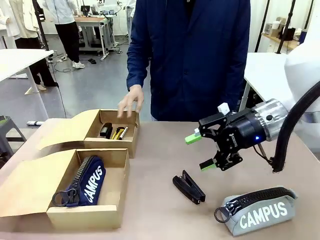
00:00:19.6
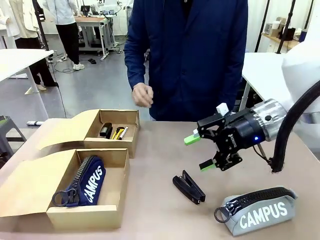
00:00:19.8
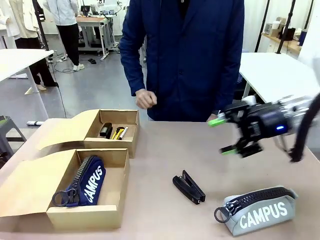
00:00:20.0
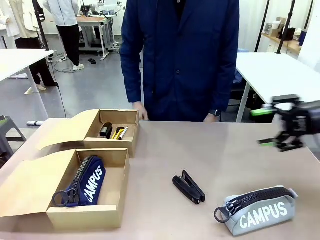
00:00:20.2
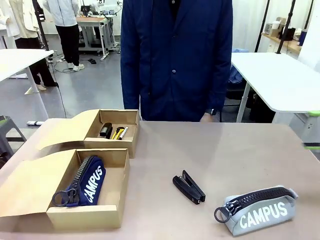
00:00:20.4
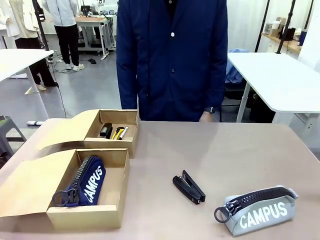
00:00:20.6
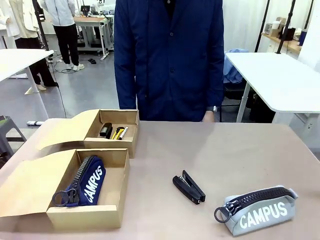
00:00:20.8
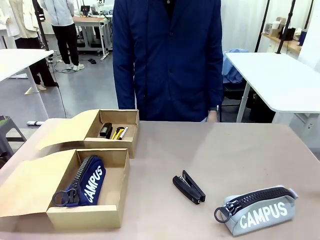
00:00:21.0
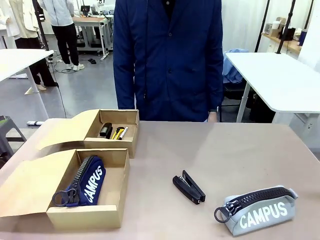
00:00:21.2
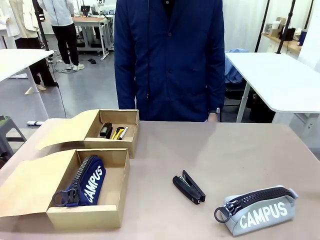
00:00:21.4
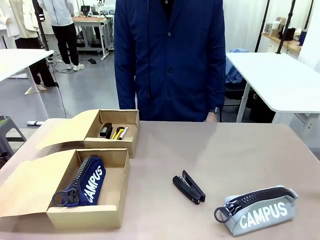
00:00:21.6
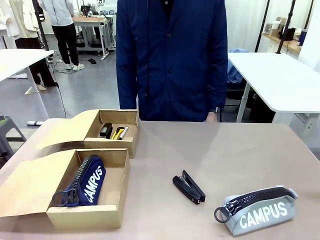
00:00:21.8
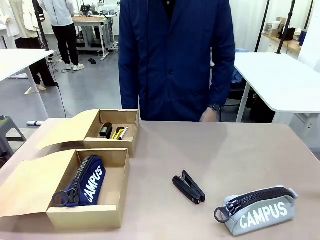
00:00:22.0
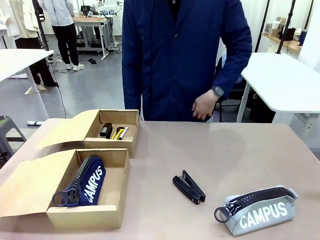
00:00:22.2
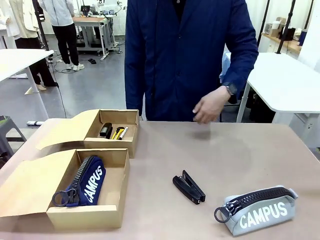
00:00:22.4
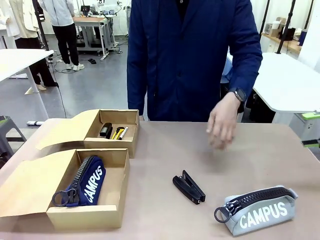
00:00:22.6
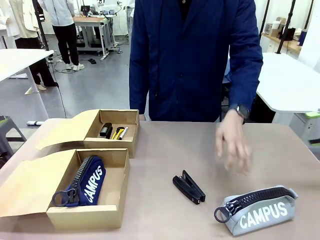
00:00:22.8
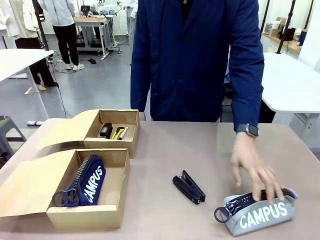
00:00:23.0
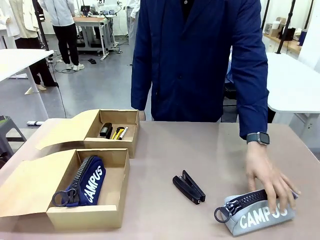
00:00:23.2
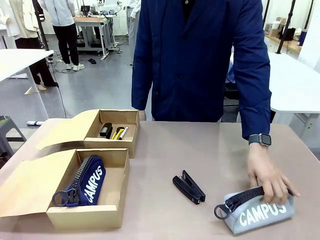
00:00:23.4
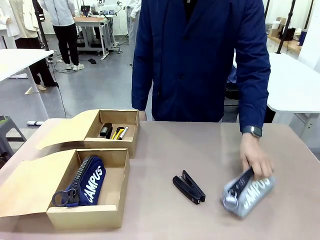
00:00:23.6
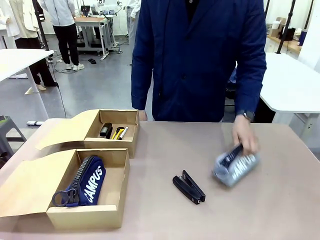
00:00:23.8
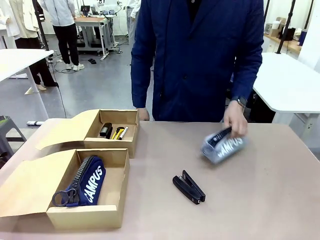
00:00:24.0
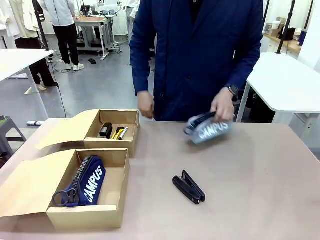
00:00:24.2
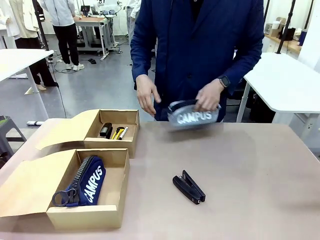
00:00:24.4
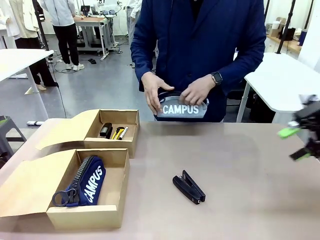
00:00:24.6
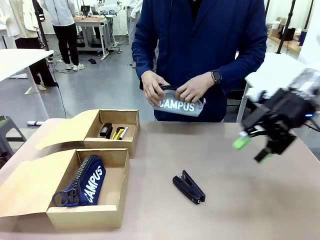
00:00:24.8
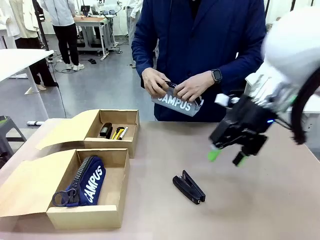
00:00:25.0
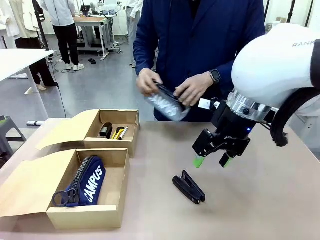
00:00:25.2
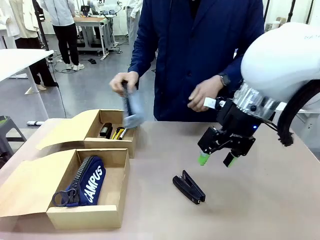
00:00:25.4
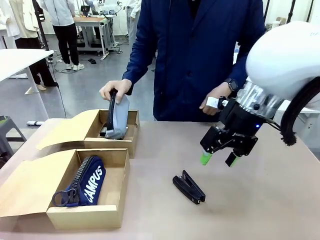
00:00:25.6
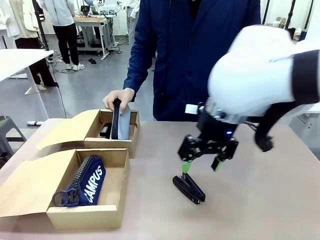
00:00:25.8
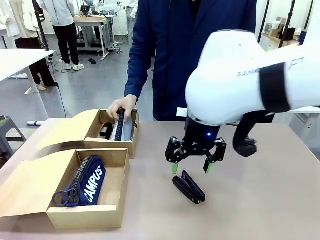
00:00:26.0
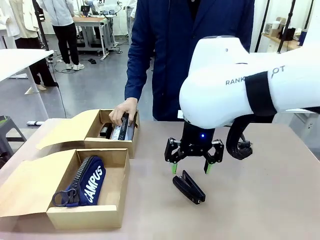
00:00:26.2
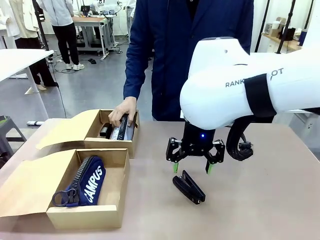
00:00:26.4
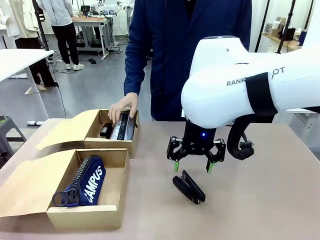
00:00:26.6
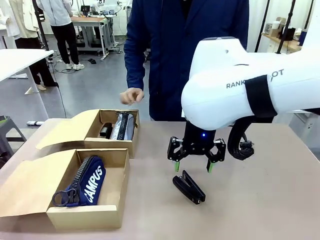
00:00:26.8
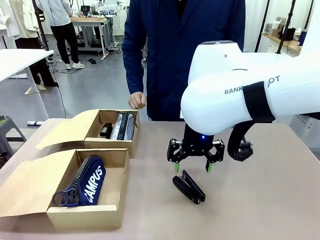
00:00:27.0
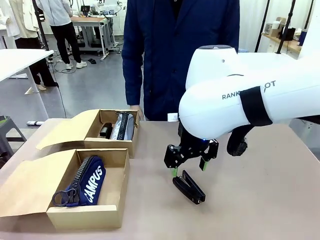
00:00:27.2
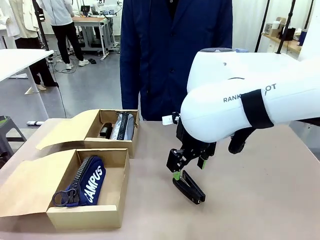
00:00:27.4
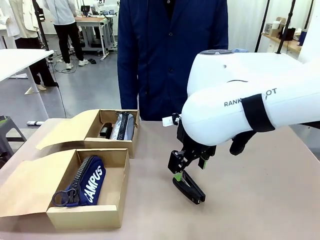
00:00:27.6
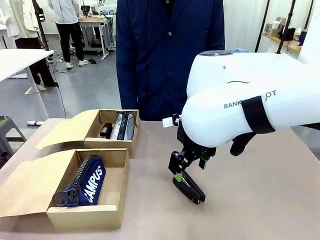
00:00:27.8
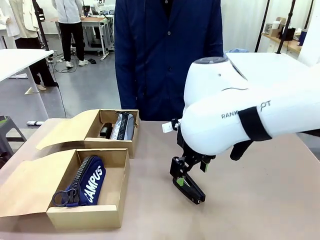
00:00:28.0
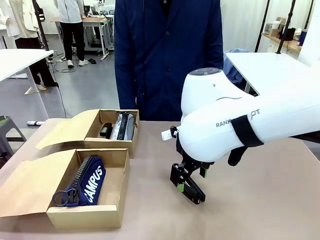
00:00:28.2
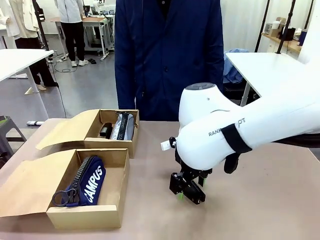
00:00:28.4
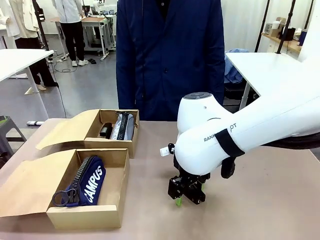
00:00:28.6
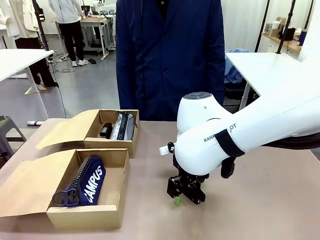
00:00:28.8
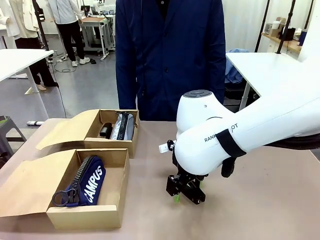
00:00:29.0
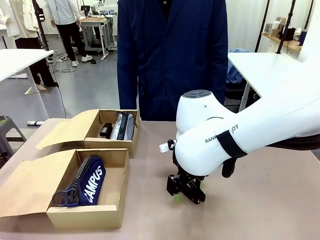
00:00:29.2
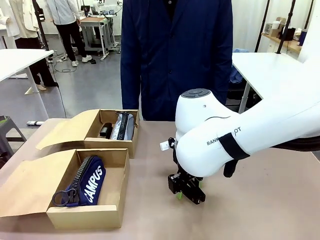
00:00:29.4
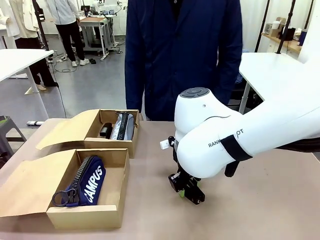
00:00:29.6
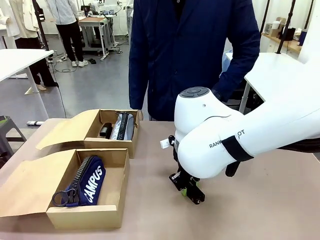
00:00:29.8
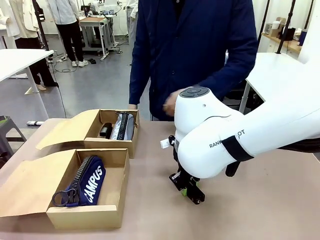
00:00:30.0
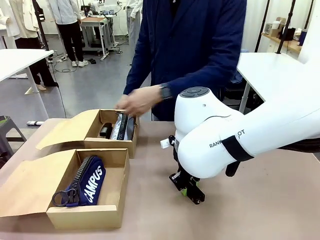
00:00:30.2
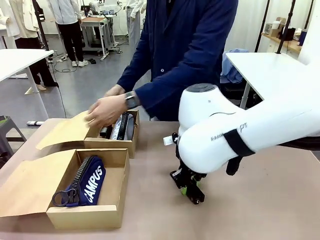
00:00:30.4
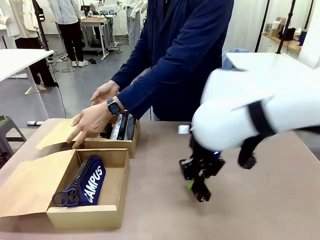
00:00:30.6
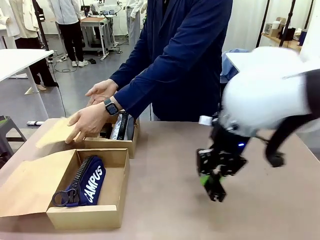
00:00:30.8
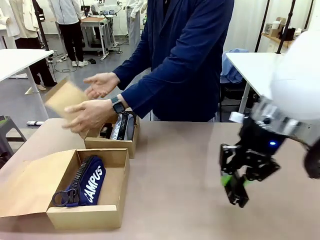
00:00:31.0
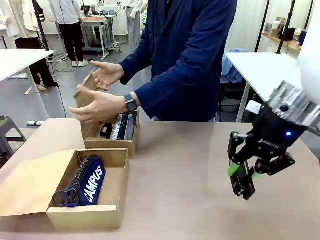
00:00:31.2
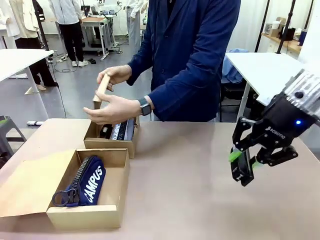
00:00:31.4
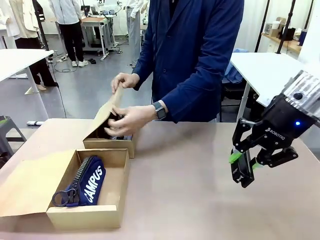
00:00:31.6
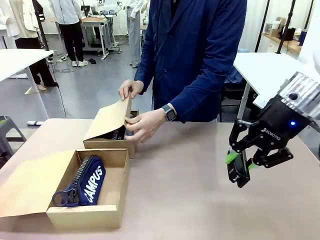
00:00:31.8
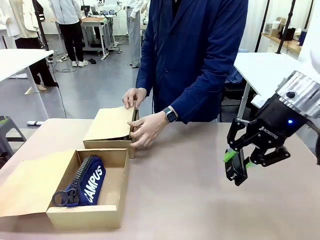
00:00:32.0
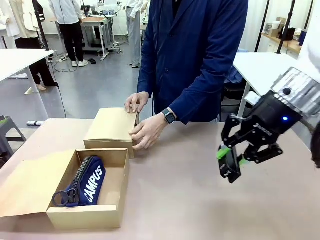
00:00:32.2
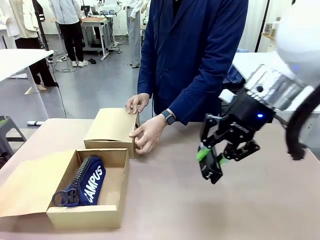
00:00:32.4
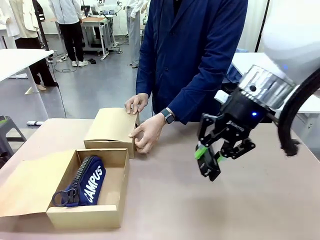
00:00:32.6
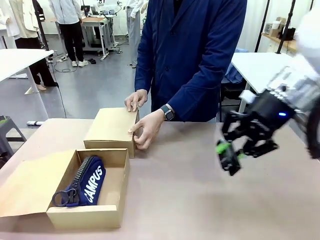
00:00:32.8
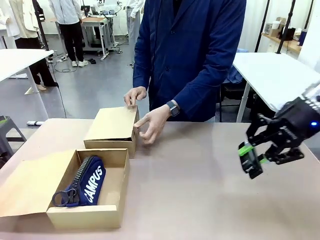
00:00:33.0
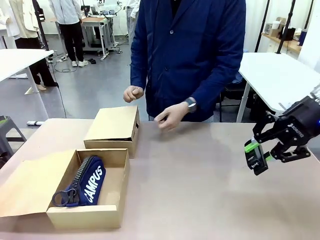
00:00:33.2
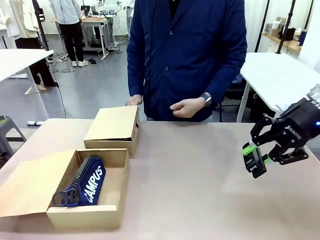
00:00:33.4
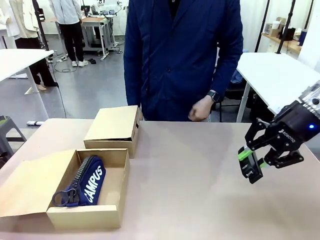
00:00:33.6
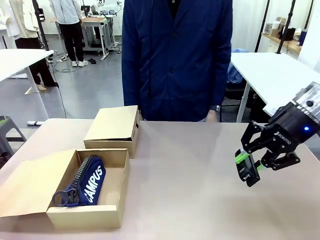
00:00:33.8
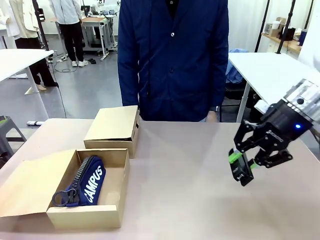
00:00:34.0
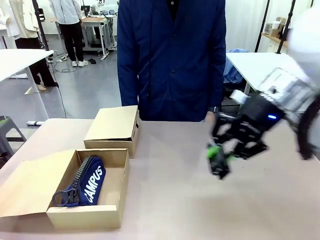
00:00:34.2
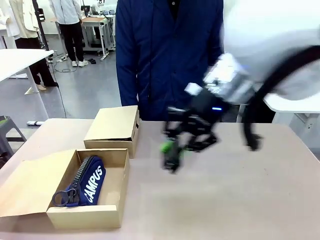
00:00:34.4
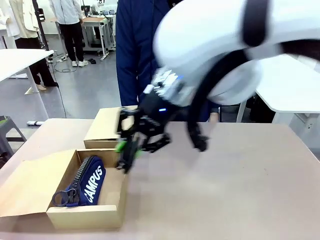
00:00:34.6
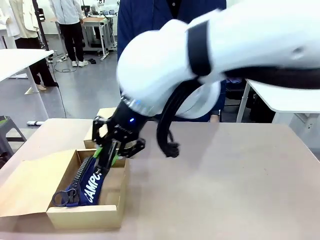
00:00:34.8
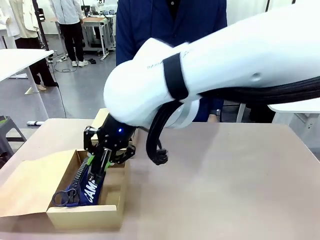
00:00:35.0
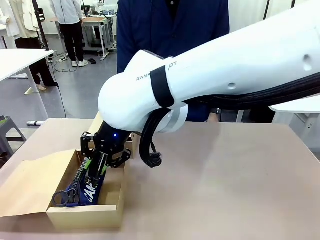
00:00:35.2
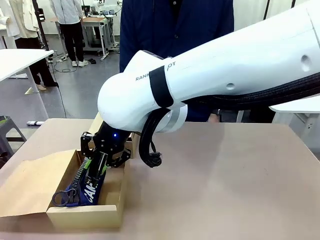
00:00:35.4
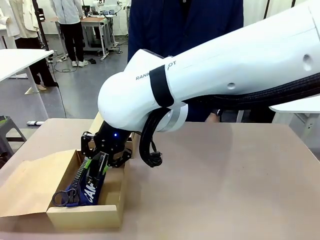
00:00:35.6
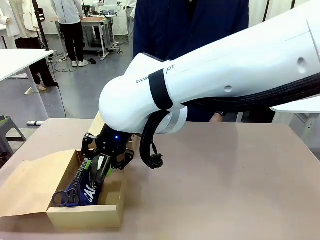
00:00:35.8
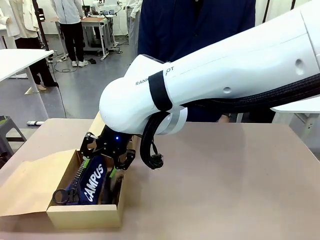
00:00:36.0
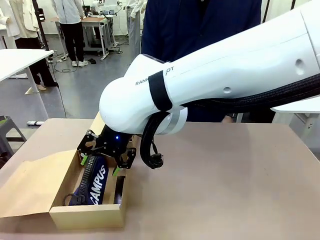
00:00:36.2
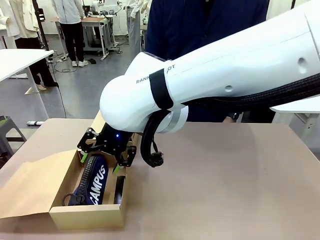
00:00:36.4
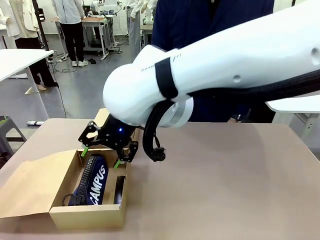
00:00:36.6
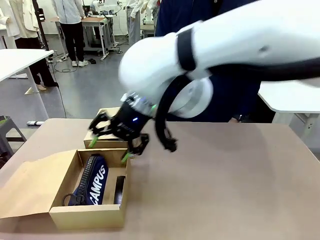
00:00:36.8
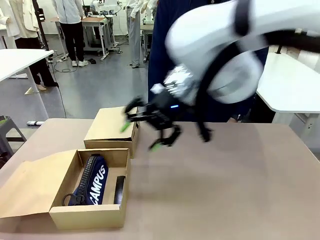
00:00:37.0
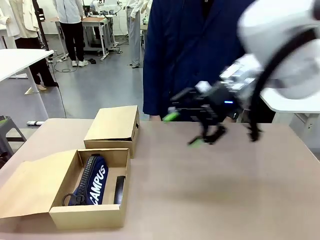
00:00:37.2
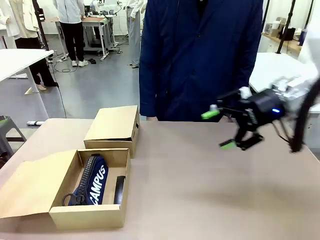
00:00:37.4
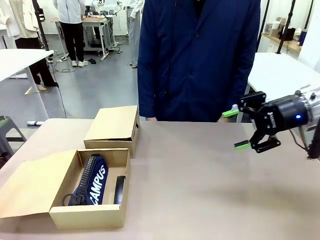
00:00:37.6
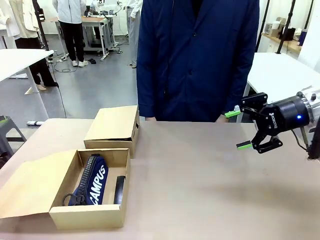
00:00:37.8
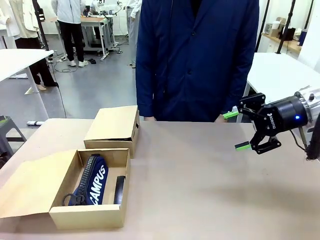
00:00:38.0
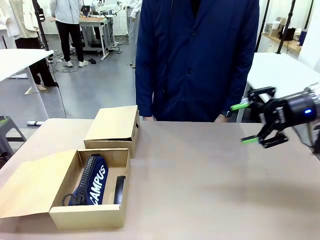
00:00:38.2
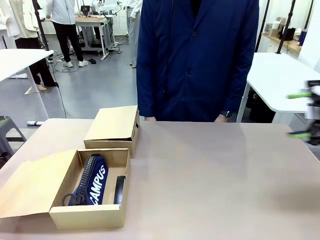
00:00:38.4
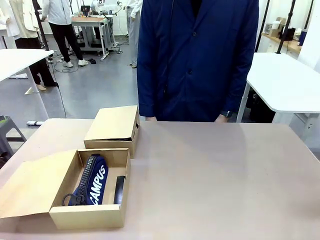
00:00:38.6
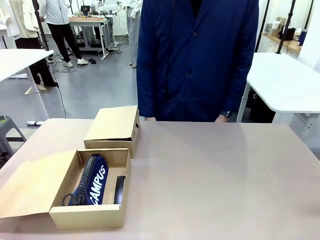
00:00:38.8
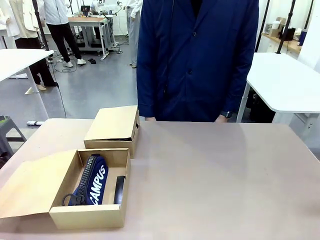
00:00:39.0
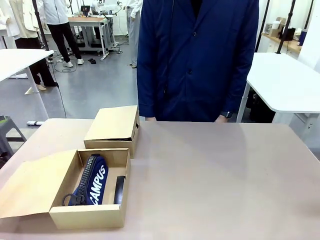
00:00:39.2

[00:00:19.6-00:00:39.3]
Task: Place items inside the box.
Robot: Pick up a Pencil pouch or Stapler and place it inside the Mailer Box closest to the robot.
Person: Close the lid of the box facing the person.
